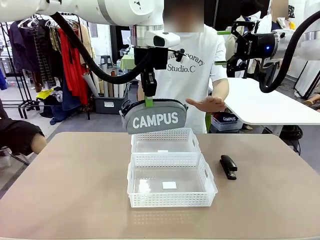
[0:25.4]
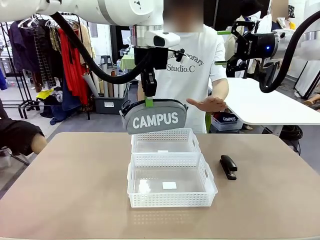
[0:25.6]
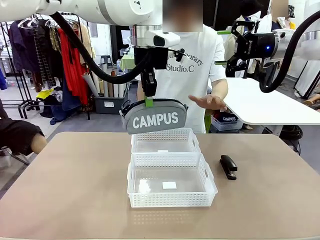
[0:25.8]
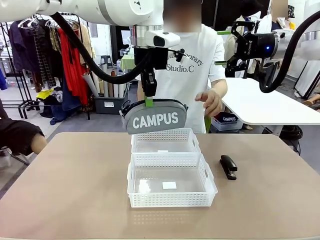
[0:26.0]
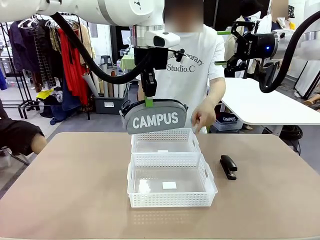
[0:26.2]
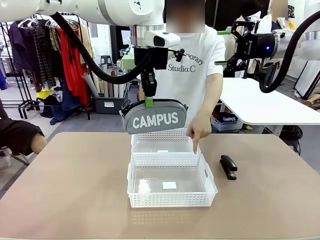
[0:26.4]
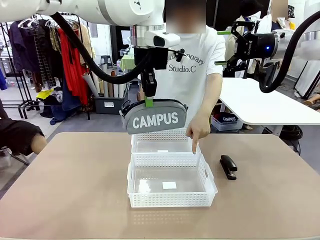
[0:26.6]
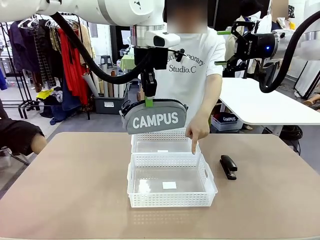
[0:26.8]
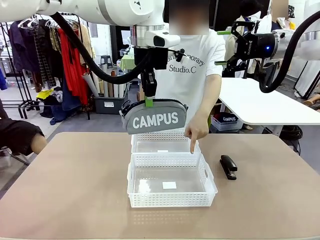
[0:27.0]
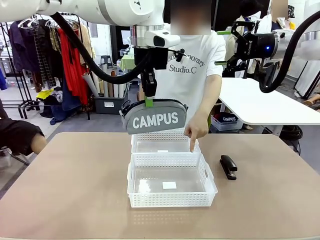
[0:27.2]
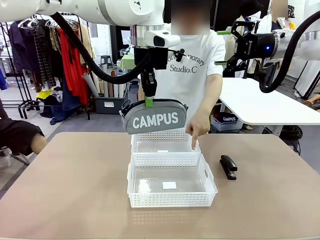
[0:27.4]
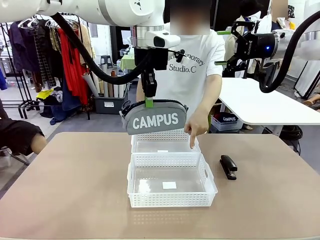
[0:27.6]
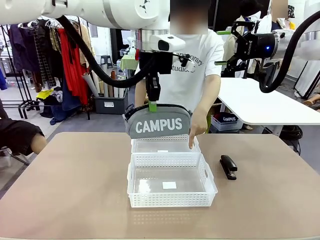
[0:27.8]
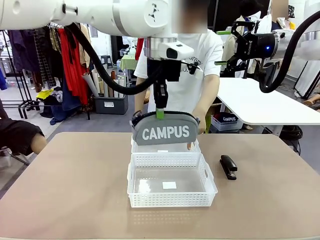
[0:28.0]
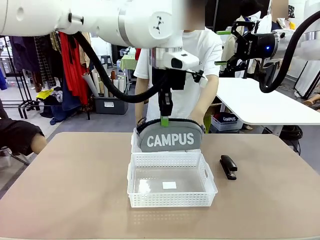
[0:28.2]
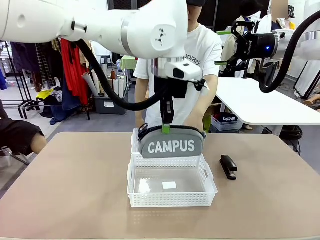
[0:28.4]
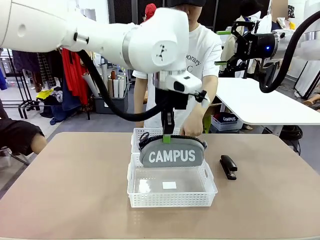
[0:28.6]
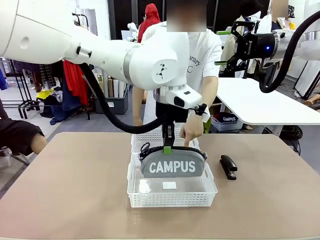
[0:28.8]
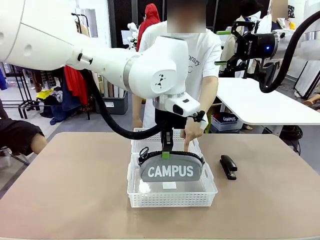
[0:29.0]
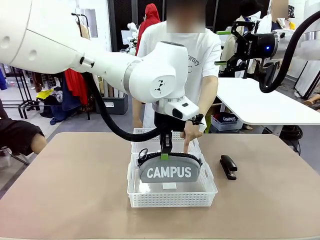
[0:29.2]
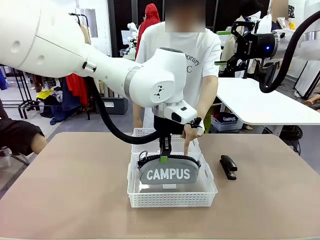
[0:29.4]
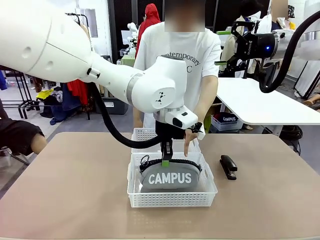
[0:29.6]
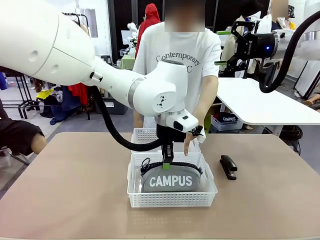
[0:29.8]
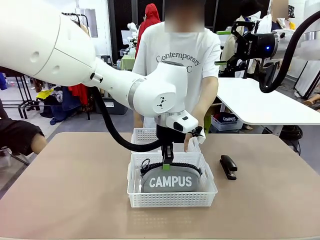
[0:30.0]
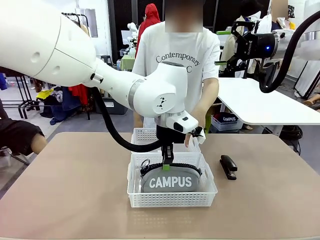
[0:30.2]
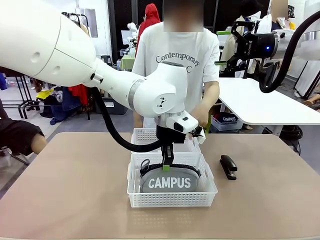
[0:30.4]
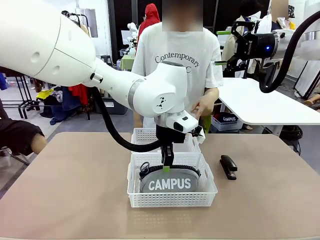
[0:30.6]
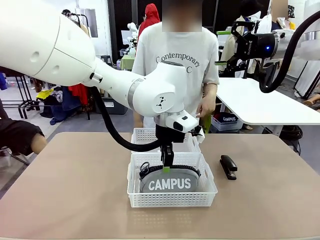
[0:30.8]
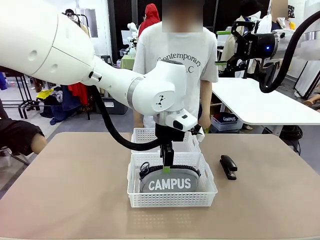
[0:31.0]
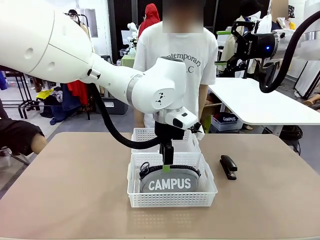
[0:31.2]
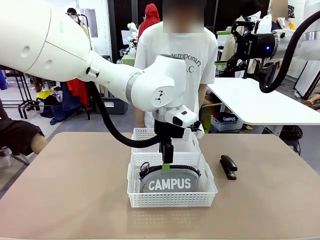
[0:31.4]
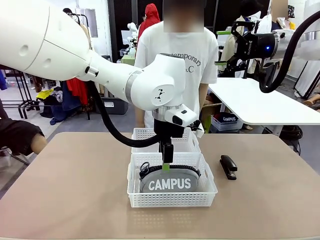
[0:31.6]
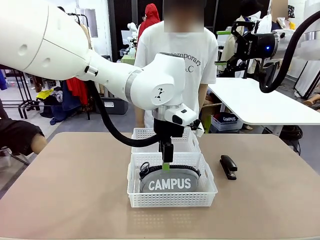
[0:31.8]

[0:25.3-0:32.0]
Task: Distribute items into two baskets.
Robot: Place the picked Pencil pouch into the Organizing basket as instructed by the person.

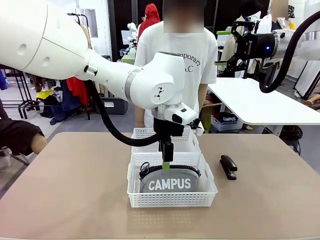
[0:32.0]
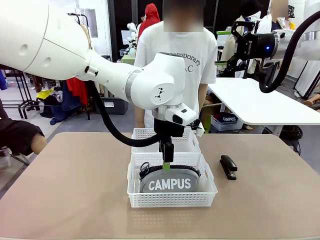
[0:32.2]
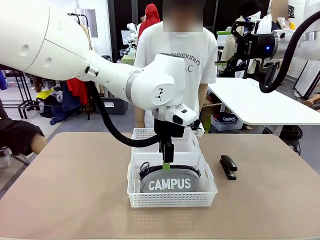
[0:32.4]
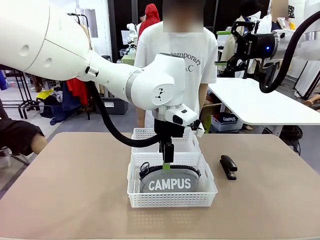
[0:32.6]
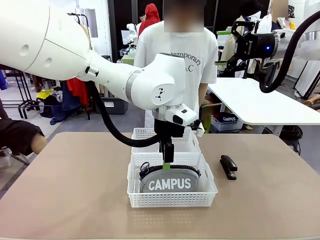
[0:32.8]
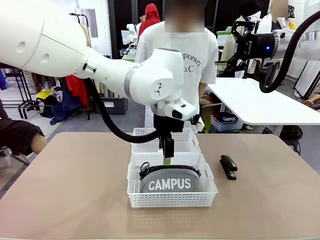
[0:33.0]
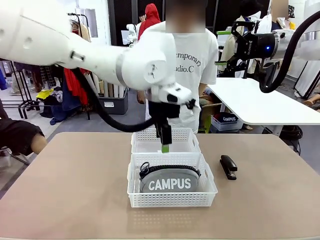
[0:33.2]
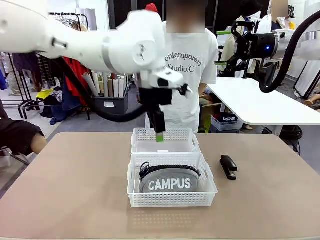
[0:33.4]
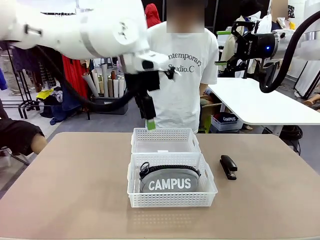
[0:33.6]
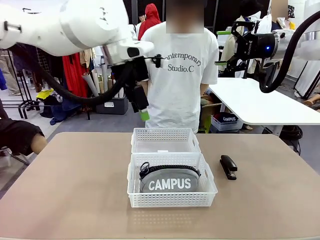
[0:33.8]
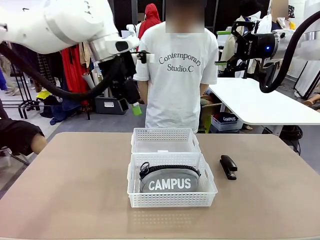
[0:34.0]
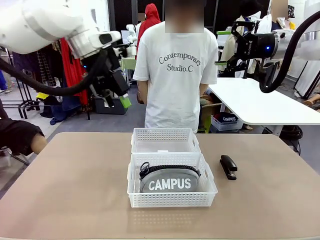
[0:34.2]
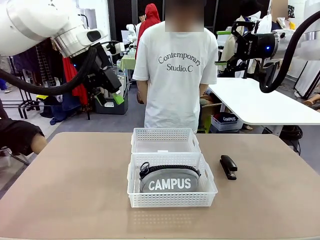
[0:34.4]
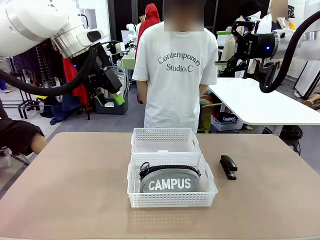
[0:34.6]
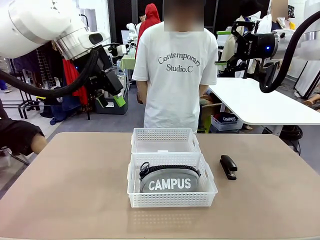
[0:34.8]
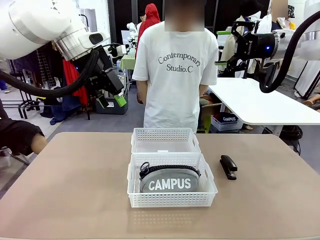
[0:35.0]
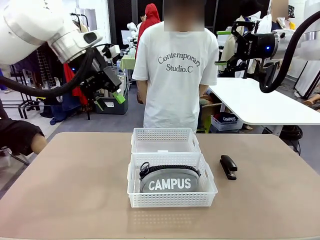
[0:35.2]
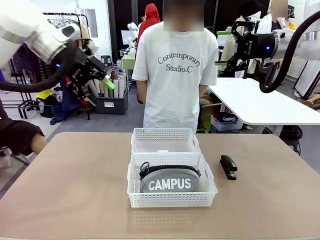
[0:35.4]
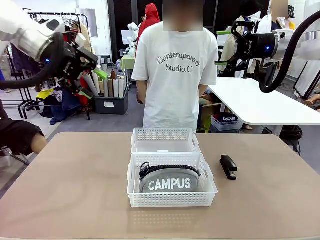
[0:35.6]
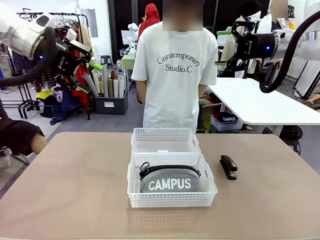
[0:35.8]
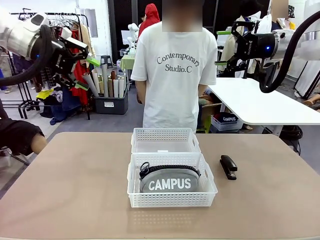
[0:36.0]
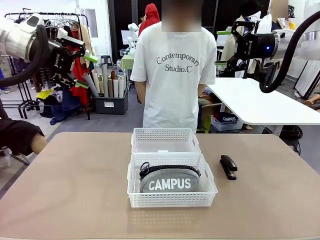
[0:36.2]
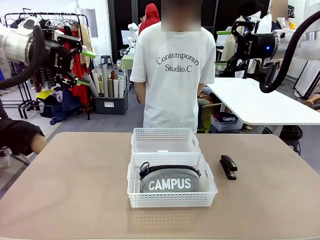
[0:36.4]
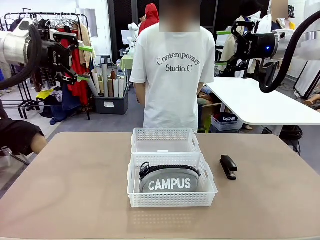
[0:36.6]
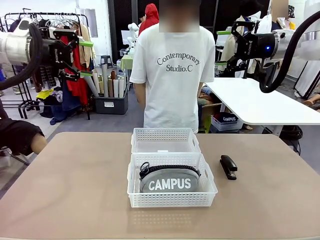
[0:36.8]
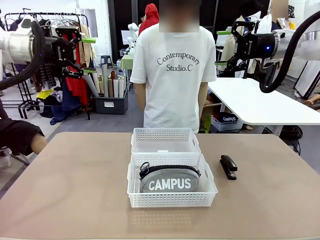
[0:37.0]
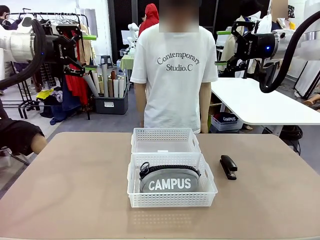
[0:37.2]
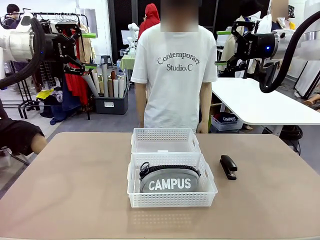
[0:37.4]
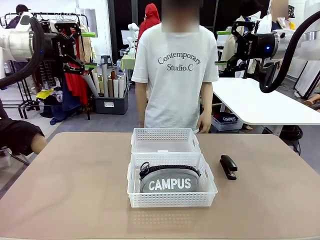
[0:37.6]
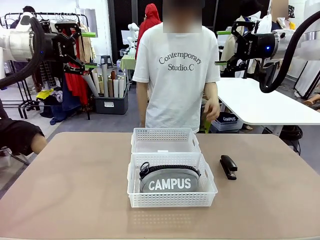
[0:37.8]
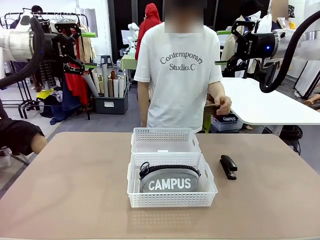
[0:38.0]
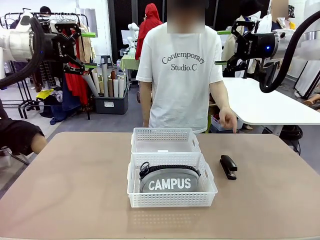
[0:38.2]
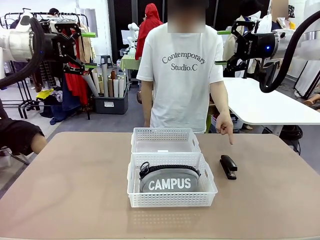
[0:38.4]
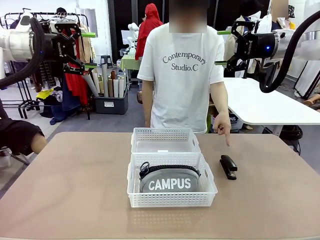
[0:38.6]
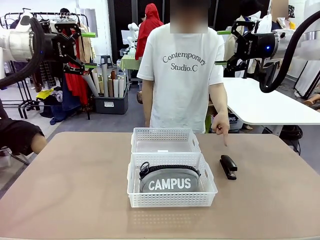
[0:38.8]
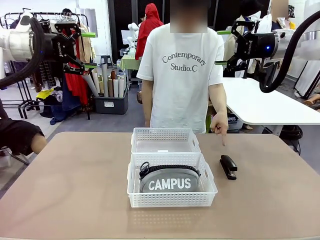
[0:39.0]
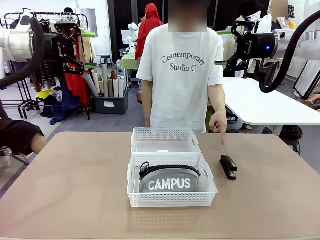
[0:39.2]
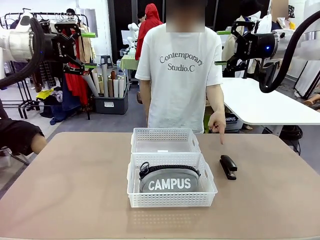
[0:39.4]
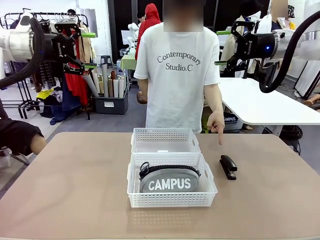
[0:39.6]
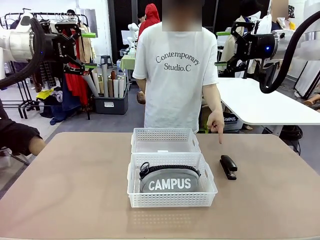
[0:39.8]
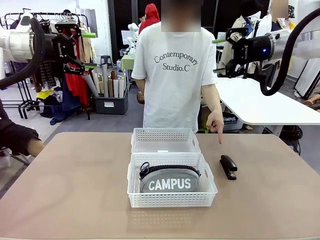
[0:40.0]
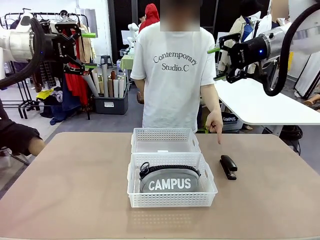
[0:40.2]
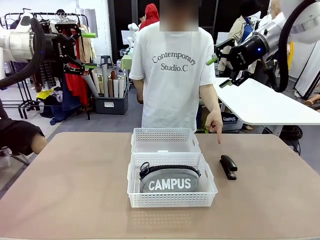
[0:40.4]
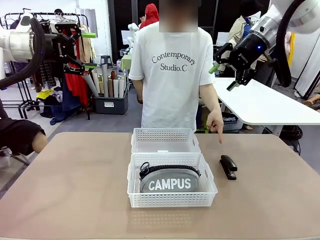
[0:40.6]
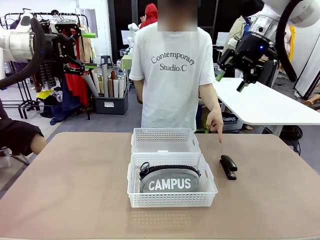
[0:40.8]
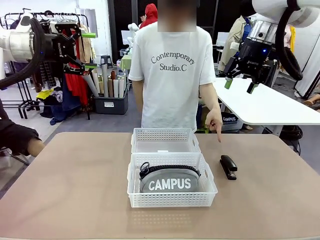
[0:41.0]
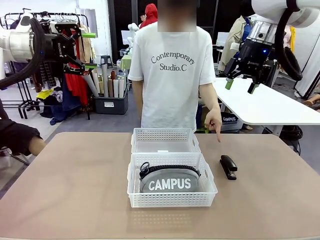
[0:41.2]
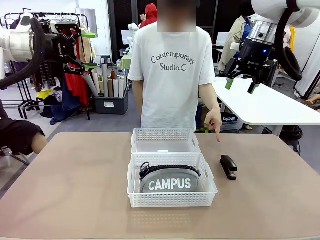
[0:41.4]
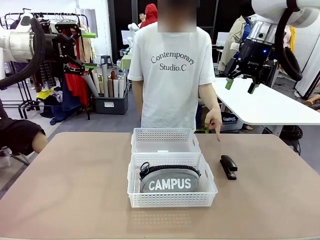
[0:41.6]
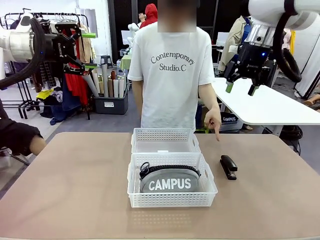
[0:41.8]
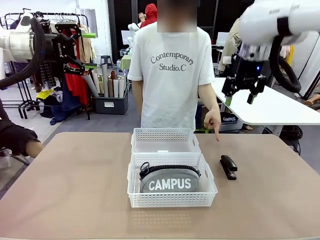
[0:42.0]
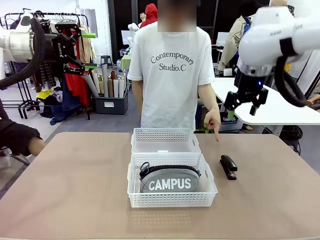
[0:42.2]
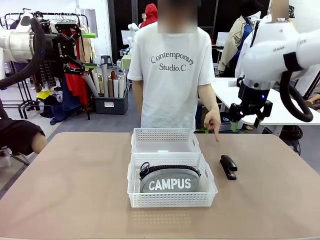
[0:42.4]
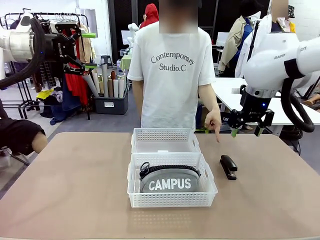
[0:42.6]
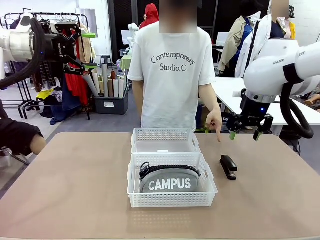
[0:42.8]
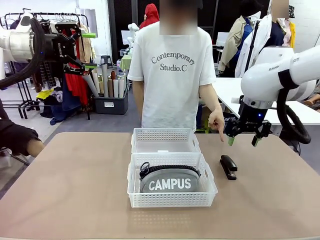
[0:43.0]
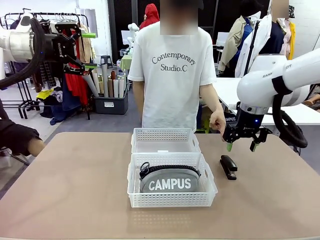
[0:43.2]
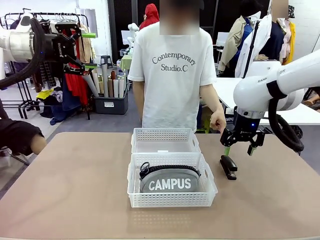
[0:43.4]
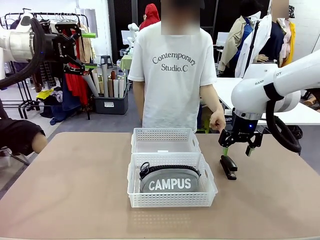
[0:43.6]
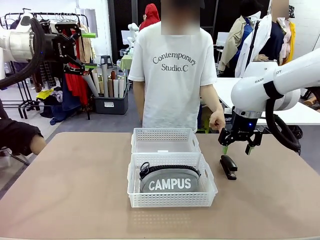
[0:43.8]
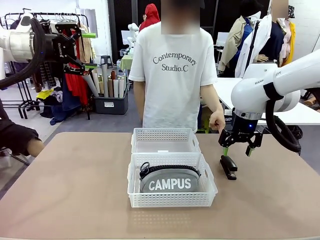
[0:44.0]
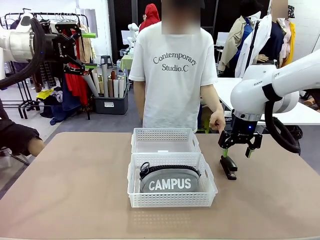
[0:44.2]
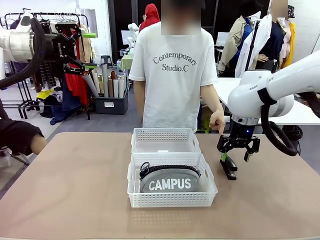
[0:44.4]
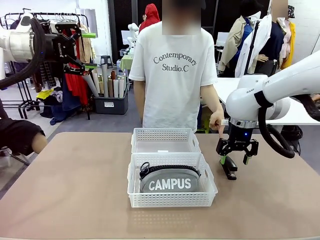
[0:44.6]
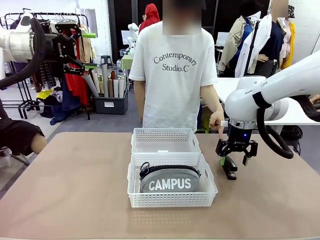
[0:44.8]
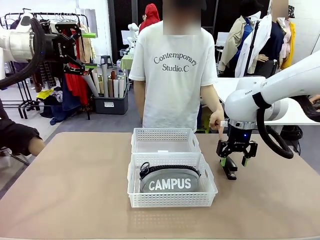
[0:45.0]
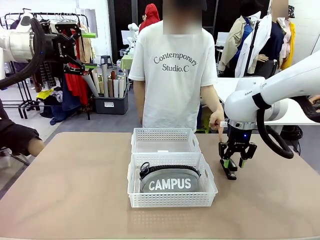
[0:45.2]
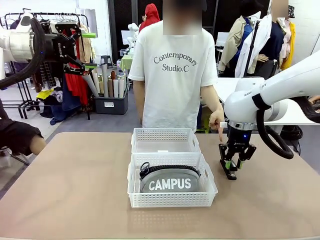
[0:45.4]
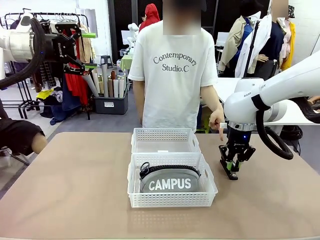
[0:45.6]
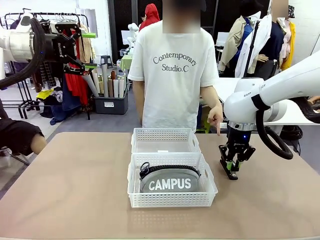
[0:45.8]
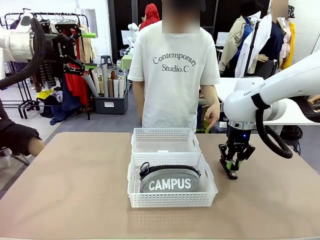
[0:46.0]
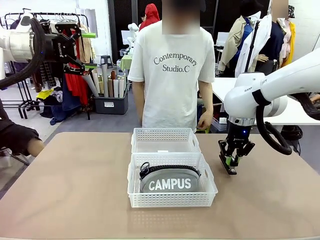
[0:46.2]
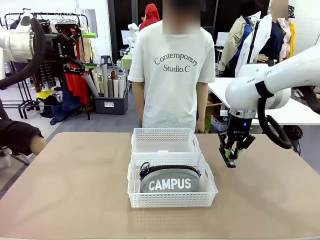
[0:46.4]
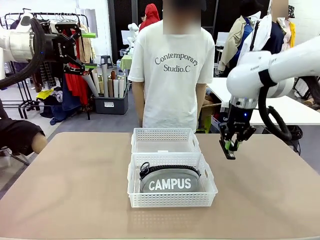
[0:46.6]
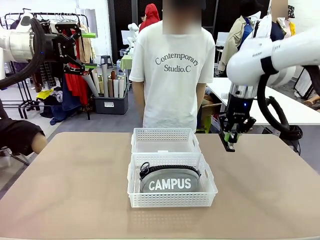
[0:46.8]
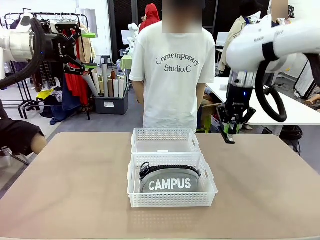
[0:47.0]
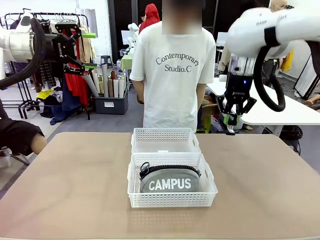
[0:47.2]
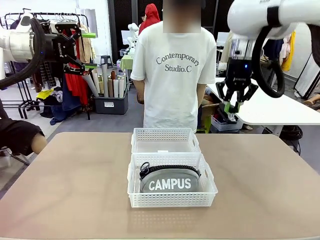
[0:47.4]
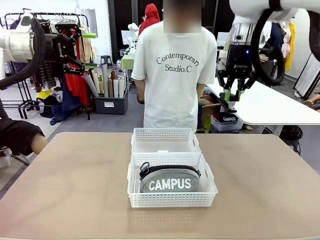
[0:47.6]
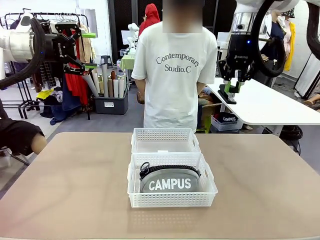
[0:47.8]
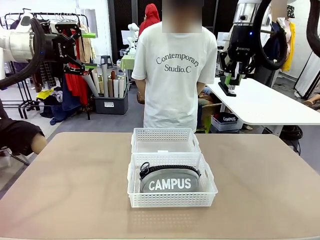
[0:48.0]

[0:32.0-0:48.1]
Robot: Pick up the Stapler that the person points to.
Person: Points to the stapler.
